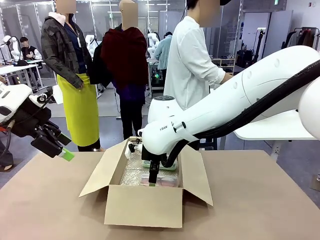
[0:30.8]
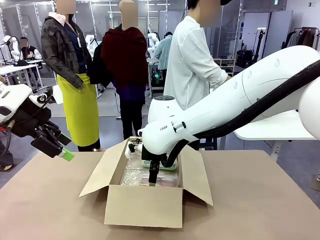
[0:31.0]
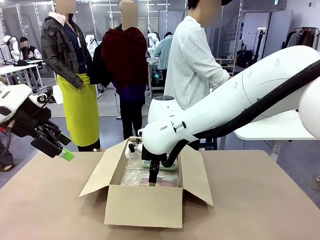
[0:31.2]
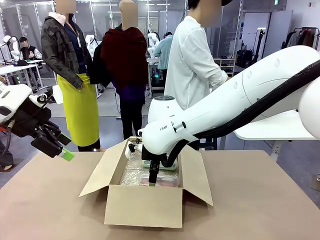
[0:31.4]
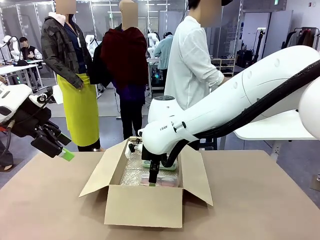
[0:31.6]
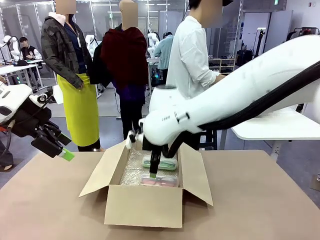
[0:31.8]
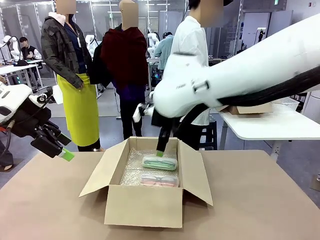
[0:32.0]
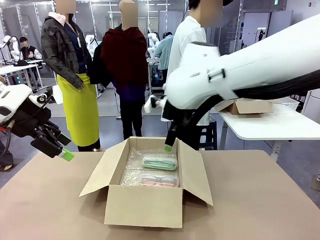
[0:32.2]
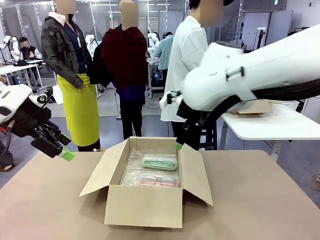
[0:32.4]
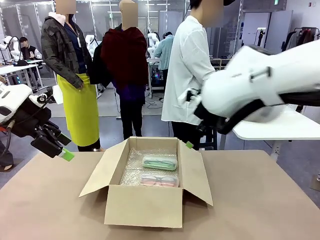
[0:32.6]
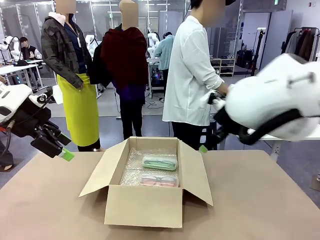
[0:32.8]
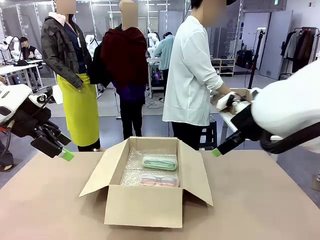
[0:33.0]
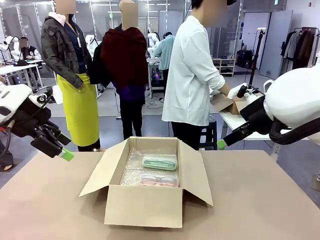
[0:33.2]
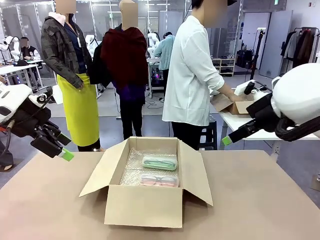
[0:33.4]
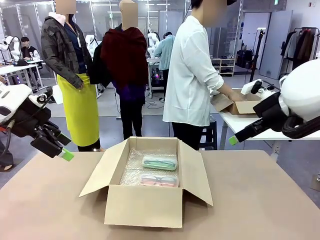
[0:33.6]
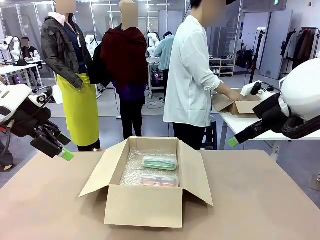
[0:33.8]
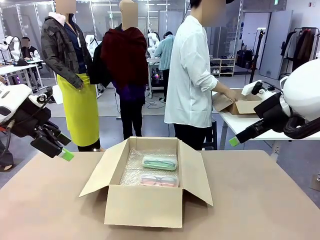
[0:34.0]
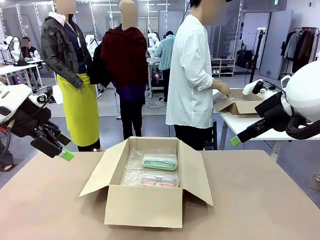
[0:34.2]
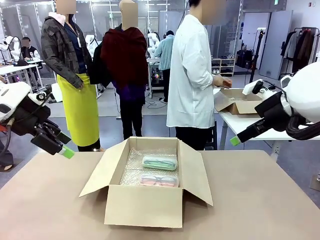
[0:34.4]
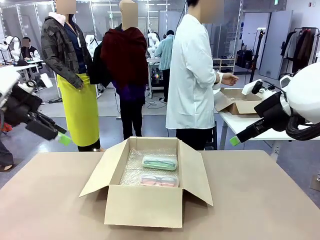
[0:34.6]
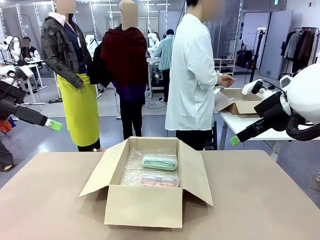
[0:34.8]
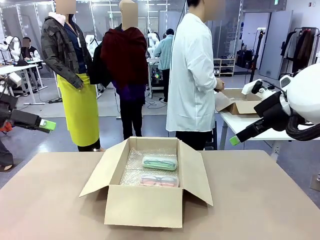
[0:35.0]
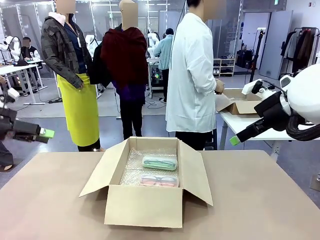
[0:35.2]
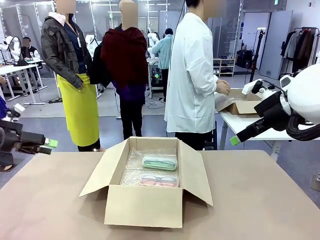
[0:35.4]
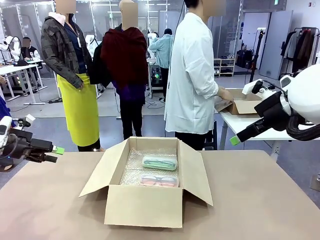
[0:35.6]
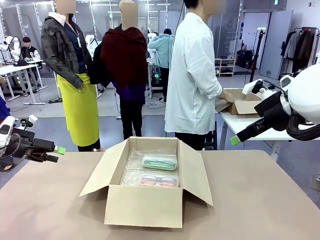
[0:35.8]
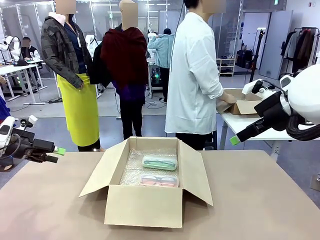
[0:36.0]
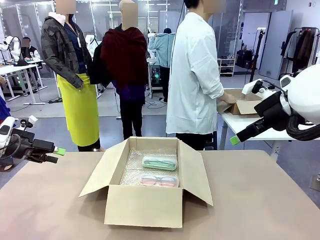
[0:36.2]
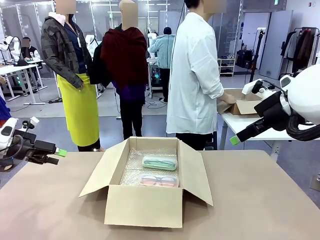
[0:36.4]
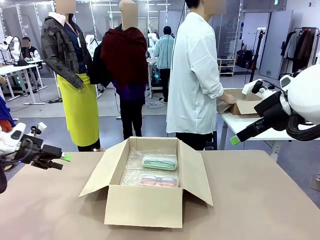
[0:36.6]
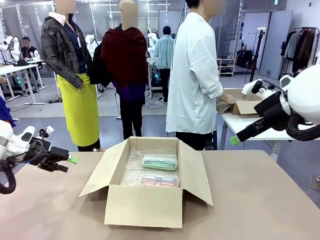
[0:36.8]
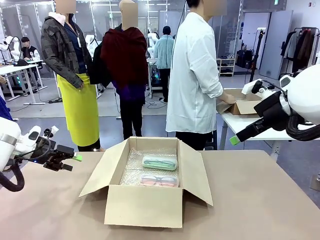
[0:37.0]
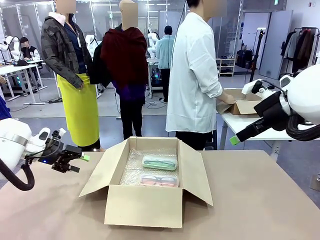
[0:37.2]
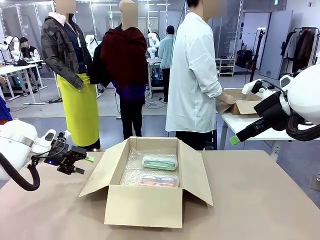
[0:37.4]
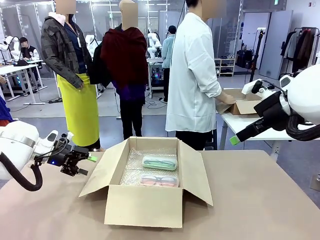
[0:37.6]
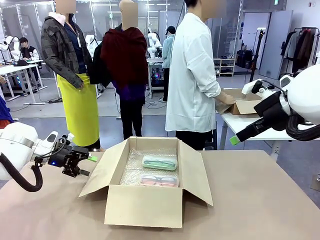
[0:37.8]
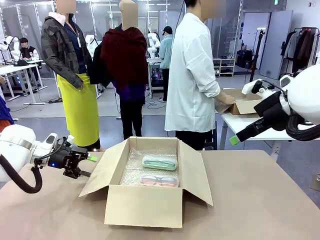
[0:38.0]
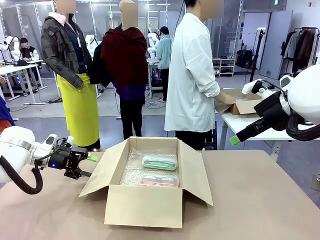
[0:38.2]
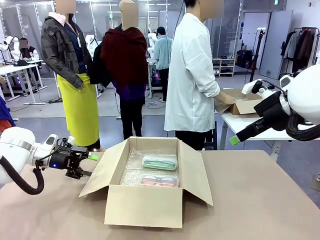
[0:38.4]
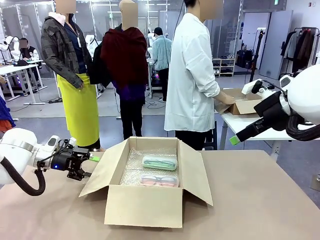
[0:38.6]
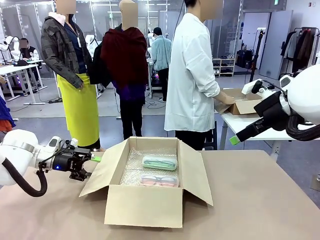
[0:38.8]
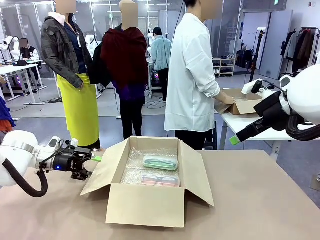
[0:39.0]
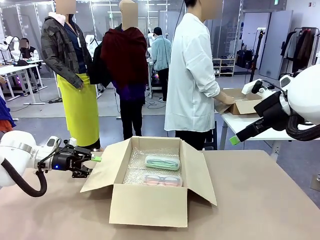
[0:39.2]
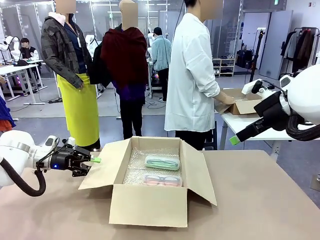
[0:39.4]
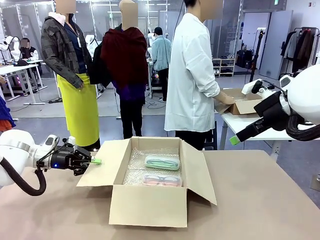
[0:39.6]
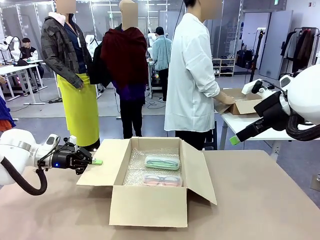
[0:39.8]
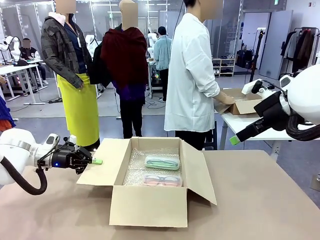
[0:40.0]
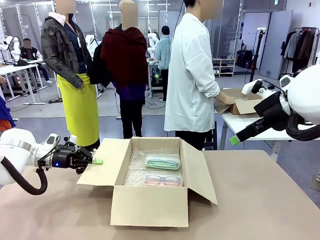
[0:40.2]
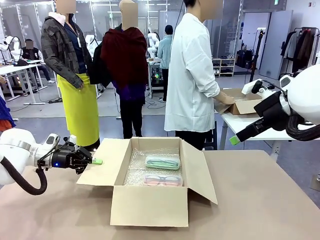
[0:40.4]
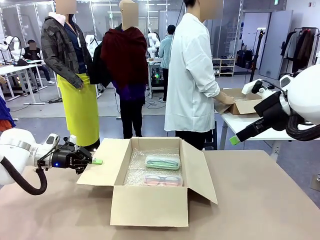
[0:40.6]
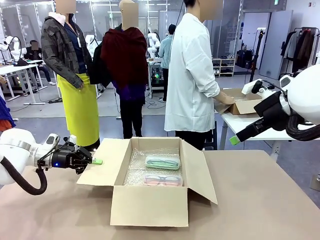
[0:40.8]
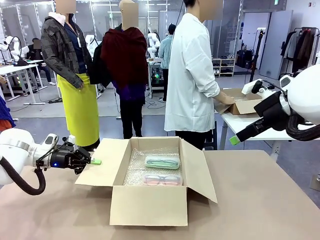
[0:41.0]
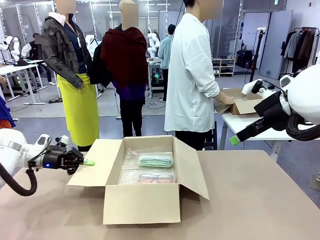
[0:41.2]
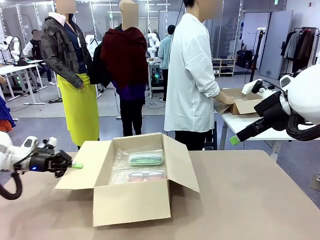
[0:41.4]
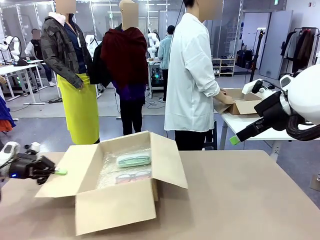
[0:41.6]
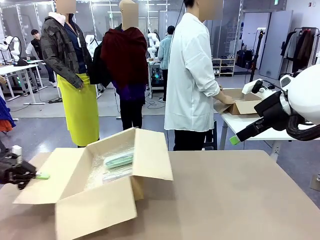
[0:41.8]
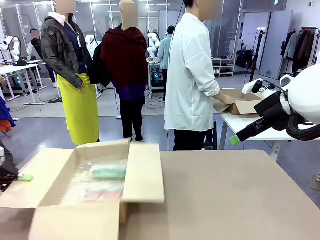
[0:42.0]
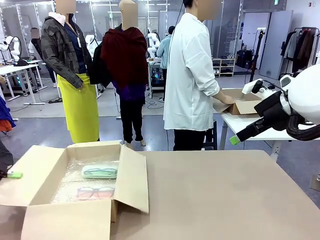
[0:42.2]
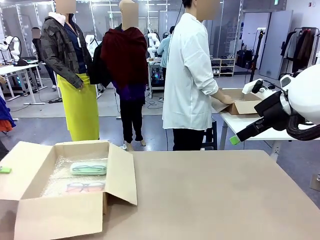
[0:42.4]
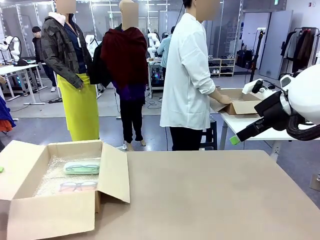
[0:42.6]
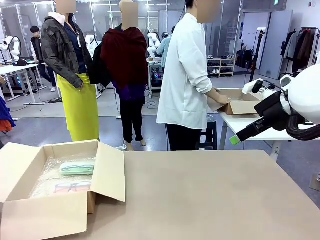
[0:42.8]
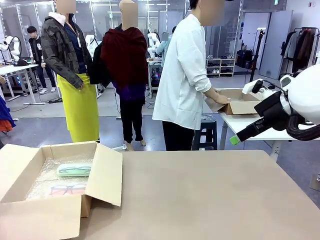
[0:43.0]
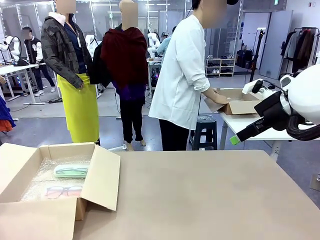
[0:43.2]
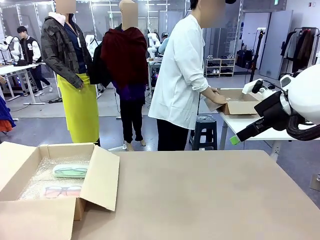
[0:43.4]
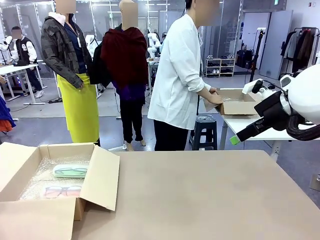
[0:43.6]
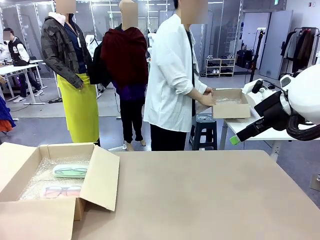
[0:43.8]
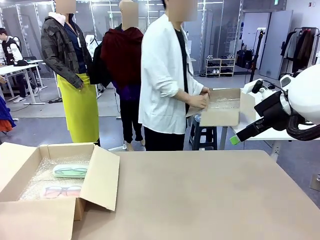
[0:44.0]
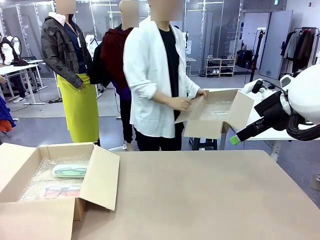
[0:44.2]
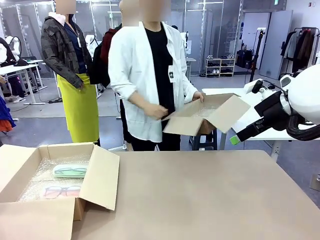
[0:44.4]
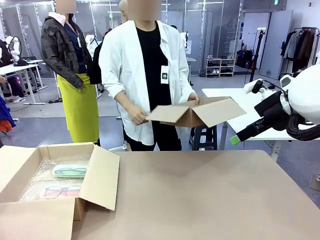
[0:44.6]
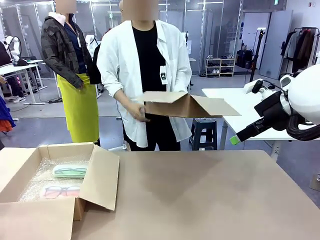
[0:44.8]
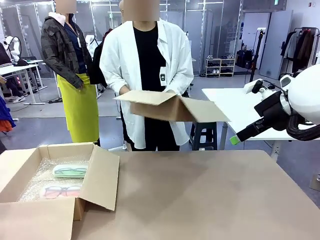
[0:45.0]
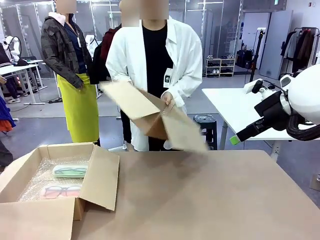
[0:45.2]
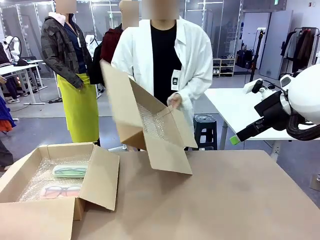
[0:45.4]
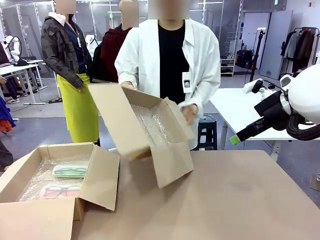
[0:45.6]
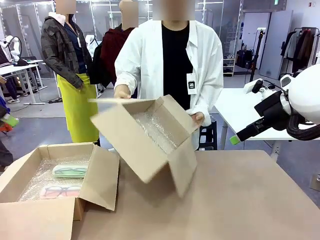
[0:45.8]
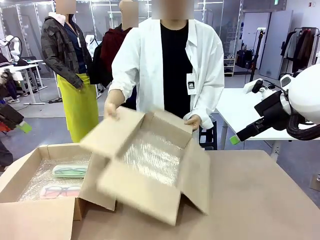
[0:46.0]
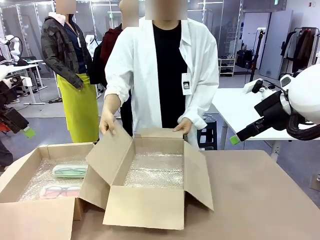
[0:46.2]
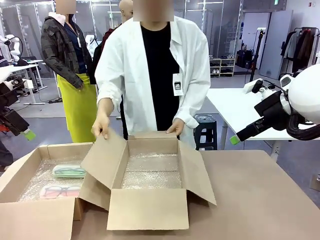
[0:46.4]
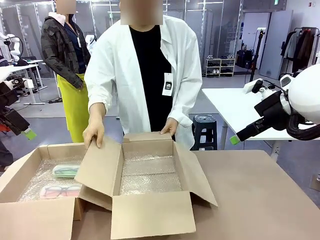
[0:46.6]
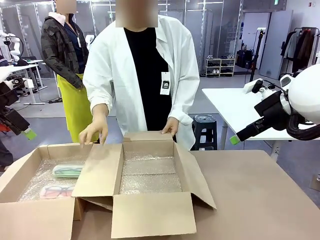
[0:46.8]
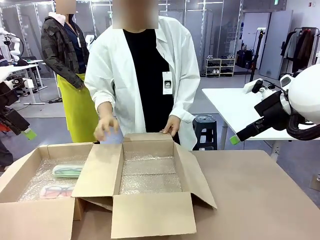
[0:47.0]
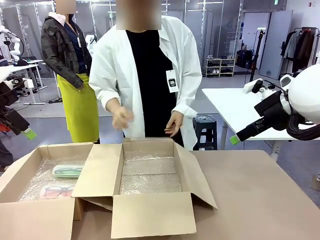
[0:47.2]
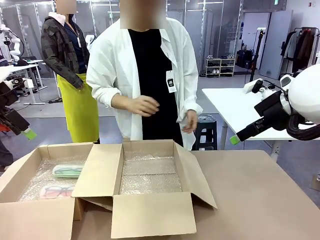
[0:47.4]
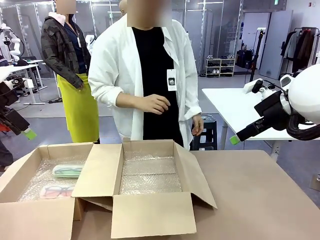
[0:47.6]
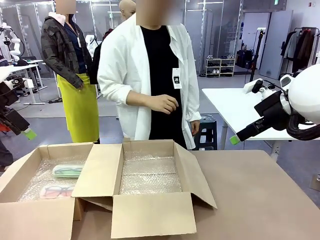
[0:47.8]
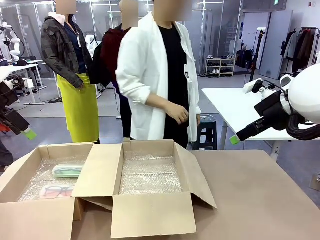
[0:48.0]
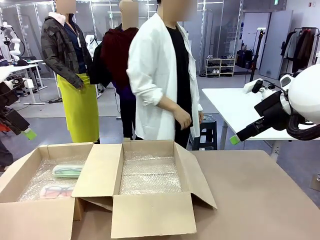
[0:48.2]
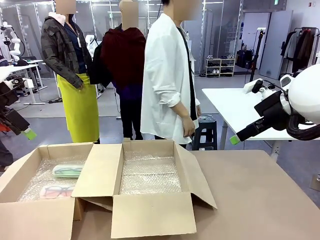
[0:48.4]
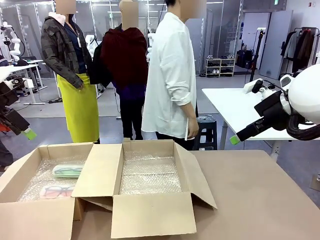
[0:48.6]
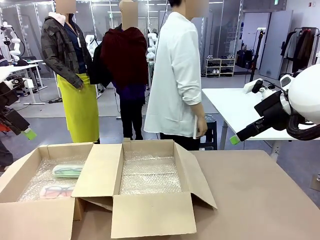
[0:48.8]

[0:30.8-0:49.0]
Task: Pack the glasses set securely to prepare it for shipping.
Robot: Position the Package Box on the left side of the table.
Person: Position the empty Package Box in the middle of the robot's table.
